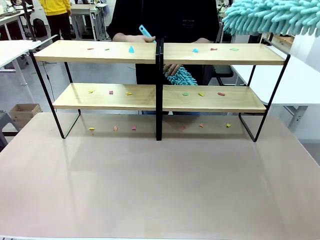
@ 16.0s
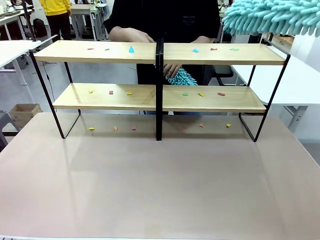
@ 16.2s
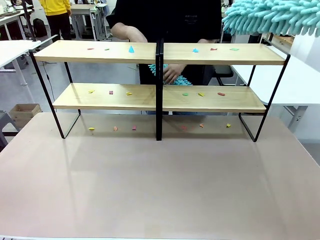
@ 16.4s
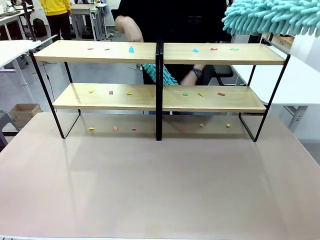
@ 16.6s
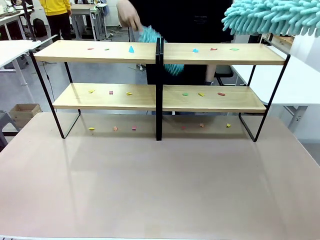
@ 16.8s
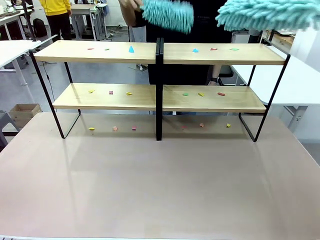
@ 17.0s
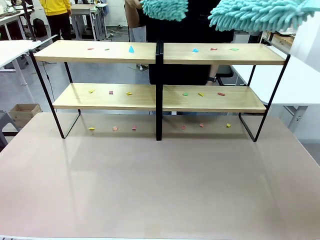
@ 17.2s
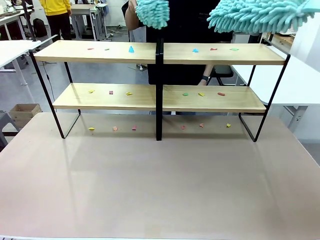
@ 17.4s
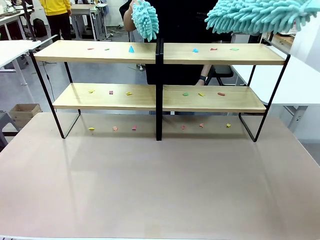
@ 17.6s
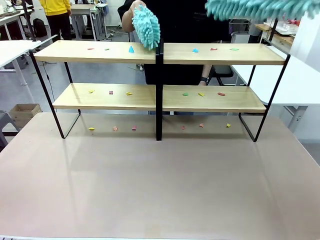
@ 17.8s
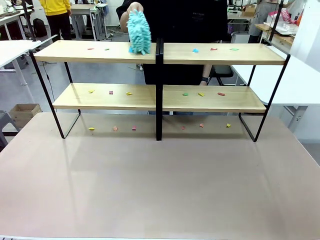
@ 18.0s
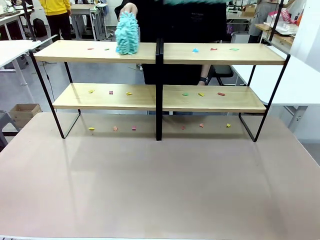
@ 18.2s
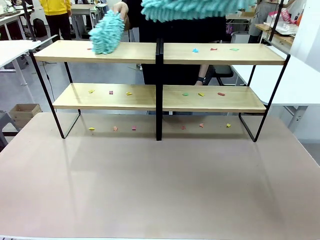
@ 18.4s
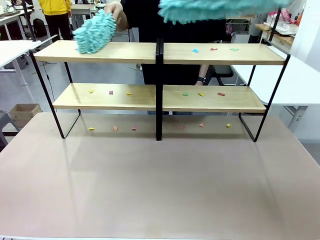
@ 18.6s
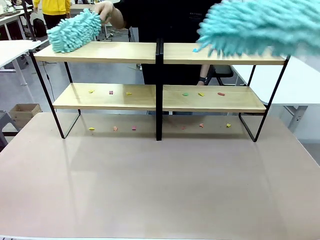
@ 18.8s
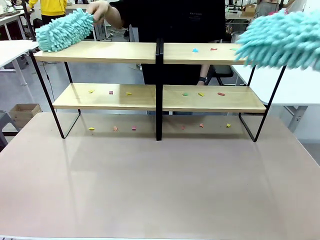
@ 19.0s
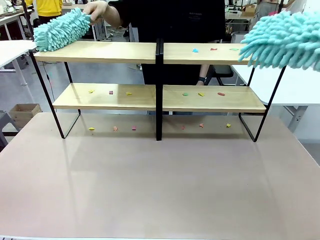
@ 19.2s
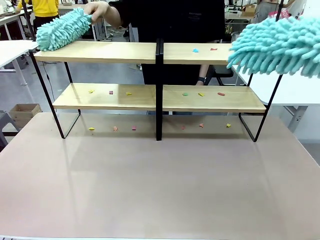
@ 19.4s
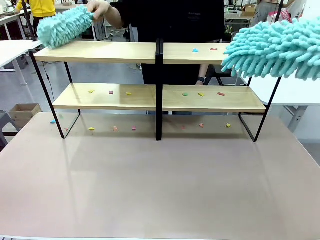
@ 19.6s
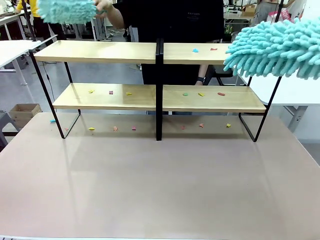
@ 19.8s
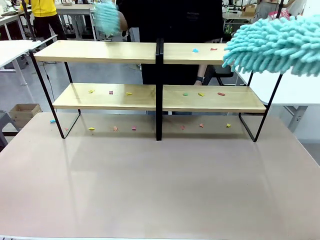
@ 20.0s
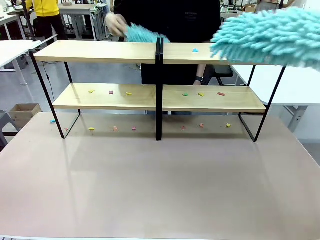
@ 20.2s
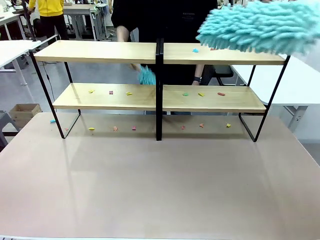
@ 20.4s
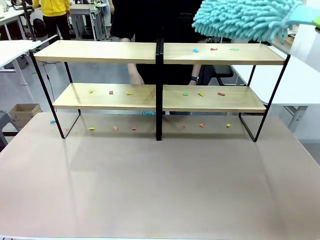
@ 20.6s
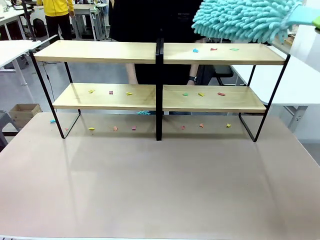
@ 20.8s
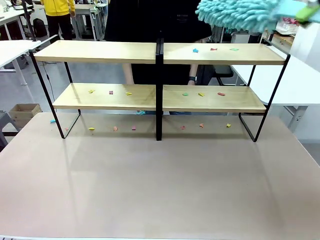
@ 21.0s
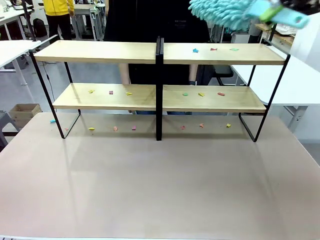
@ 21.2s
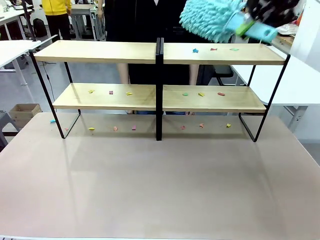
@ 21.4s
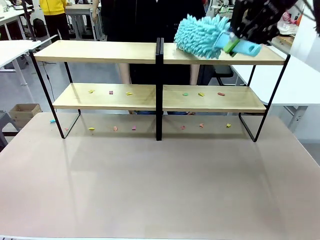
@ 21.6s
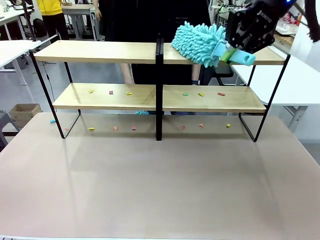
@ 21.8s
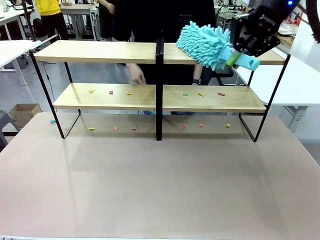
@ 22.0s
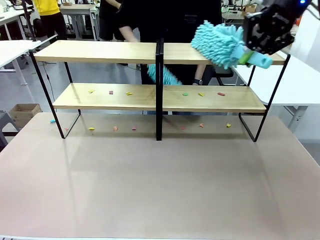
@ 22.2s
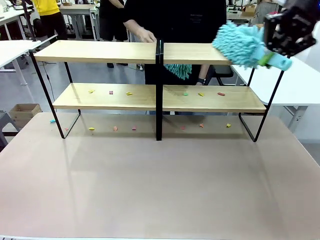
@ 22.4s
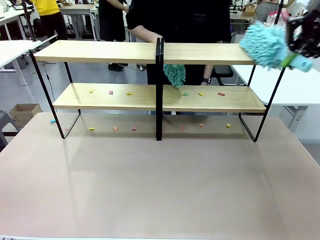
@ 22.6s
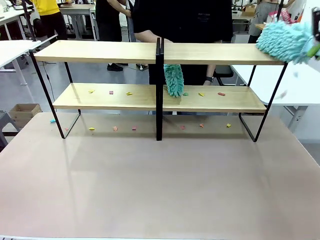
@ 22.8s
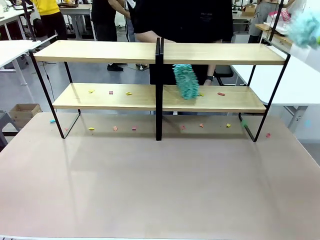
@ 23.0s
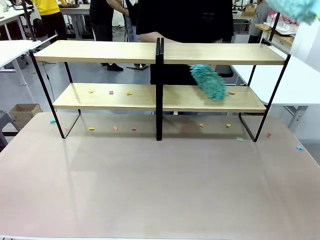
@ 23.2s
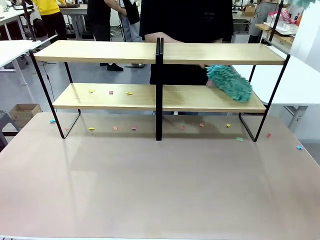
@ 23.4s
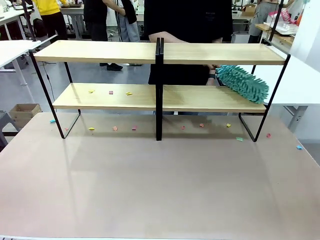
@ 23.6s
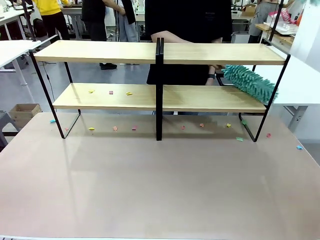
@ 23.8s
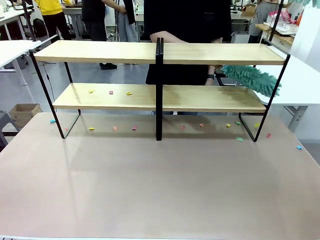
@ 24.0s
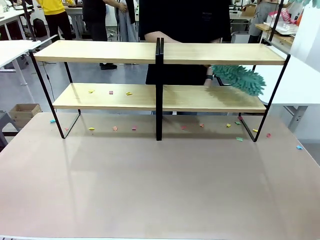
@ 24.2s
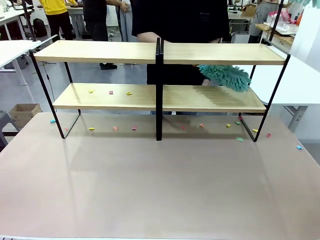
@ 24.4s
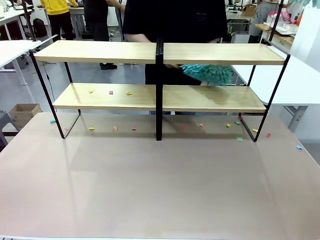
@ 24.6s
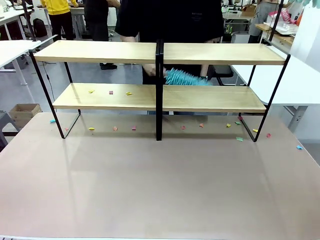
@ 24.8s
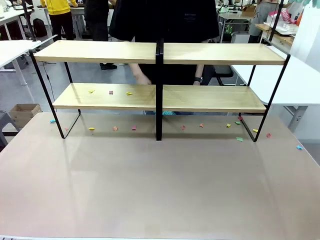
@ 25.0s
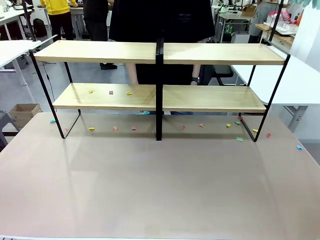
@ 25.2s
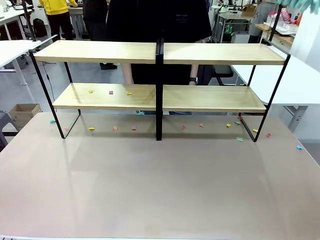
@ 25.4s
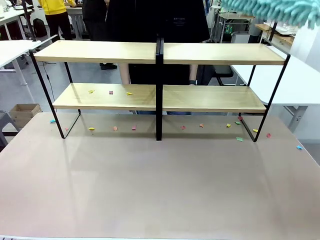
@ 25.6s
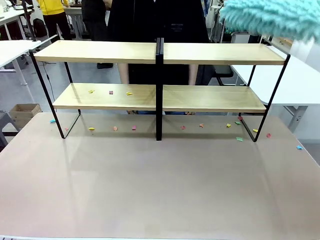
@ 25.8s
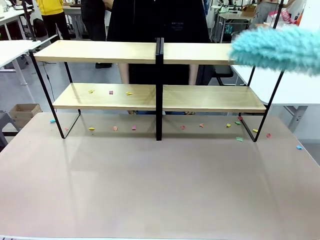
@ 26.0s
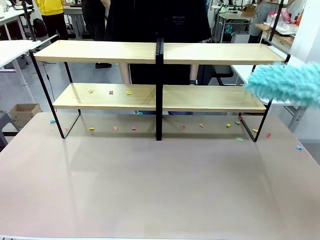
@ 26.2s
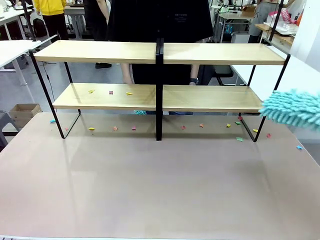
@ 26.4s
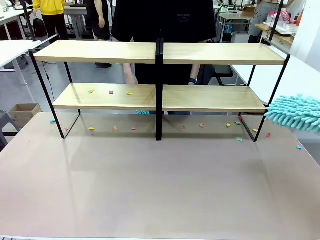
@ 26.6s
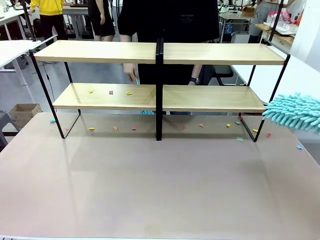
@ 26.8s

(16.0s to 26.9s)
Task: Clean the shelves.
Robot: Clean a randomly selected level of the Shelf with the Duster.

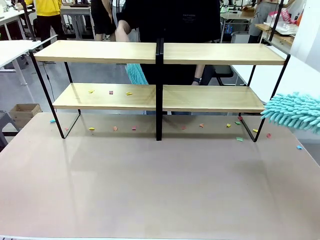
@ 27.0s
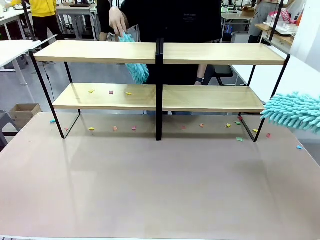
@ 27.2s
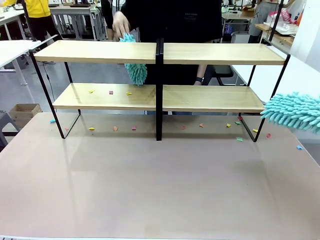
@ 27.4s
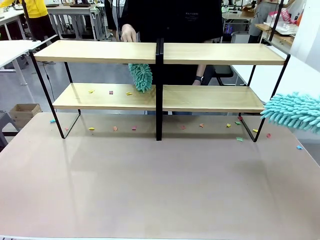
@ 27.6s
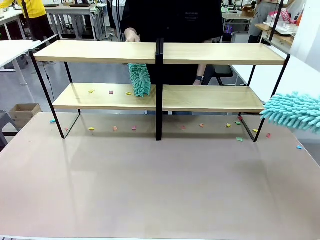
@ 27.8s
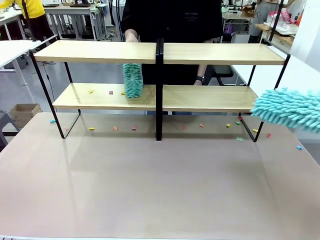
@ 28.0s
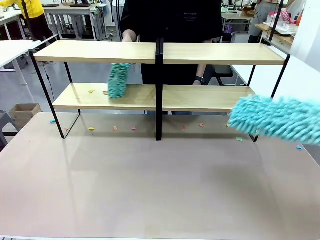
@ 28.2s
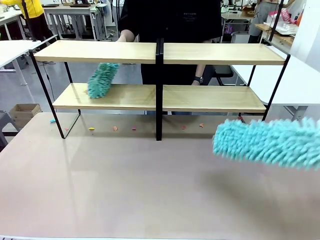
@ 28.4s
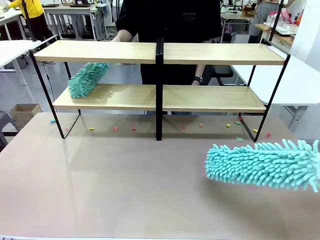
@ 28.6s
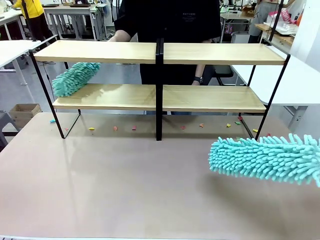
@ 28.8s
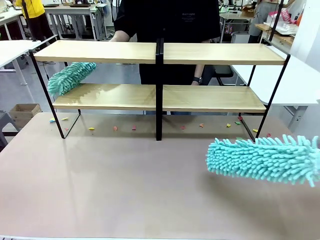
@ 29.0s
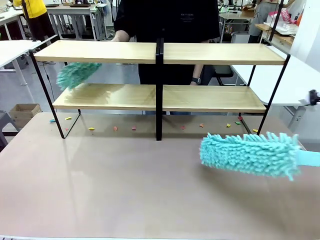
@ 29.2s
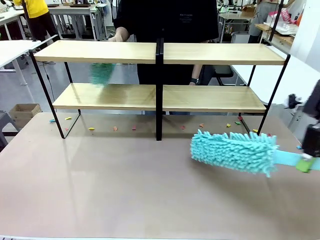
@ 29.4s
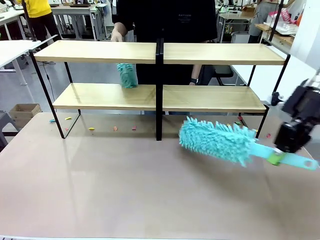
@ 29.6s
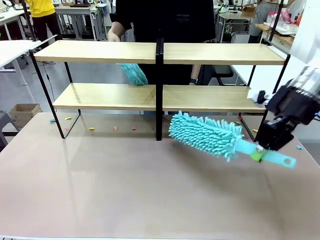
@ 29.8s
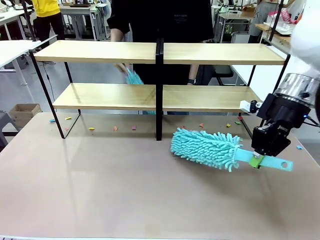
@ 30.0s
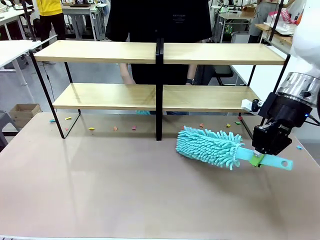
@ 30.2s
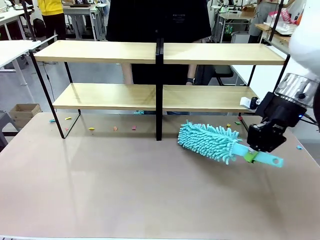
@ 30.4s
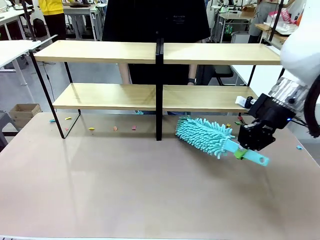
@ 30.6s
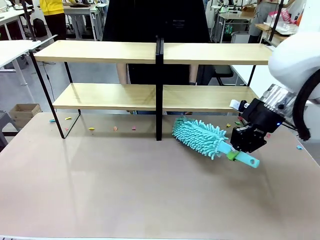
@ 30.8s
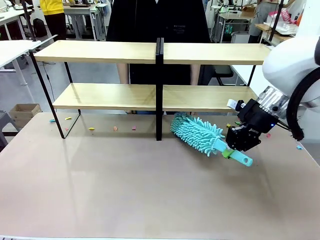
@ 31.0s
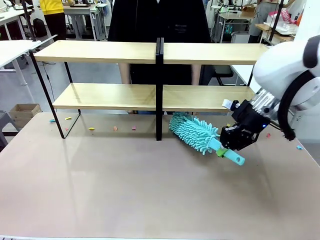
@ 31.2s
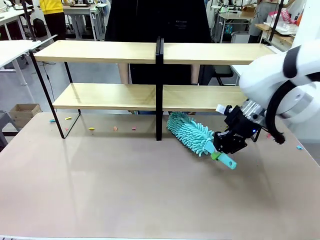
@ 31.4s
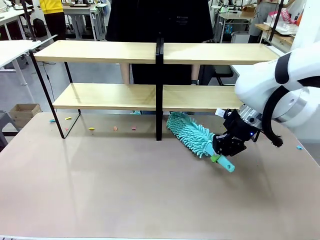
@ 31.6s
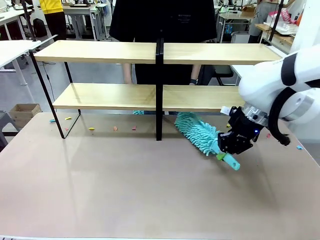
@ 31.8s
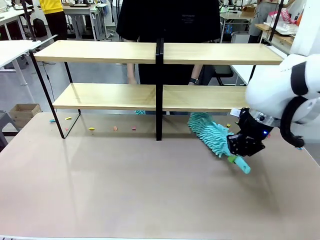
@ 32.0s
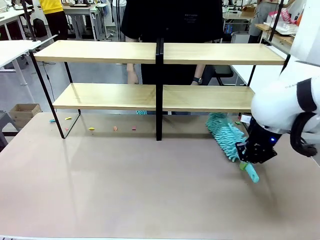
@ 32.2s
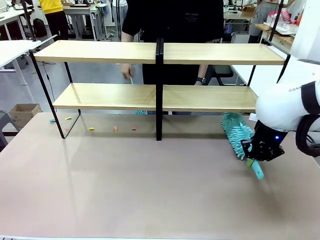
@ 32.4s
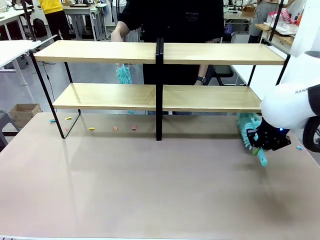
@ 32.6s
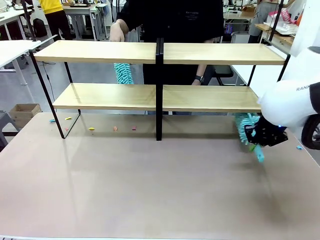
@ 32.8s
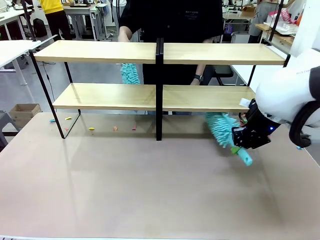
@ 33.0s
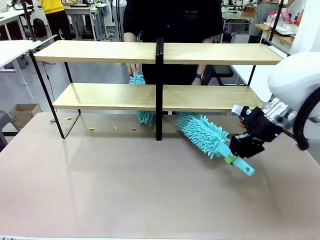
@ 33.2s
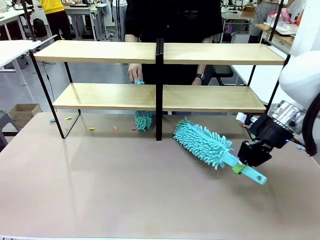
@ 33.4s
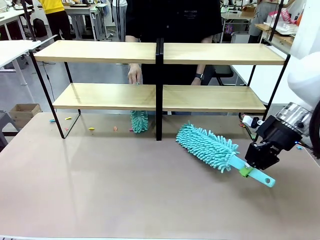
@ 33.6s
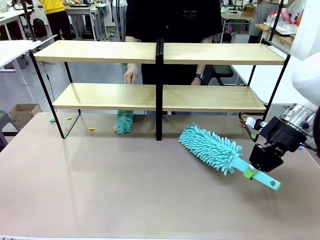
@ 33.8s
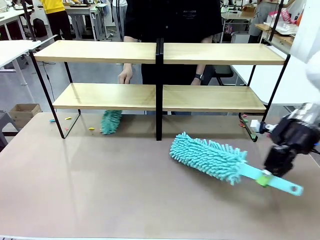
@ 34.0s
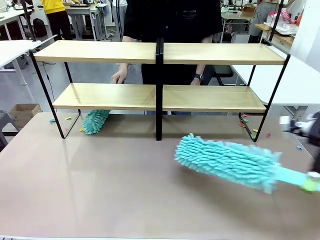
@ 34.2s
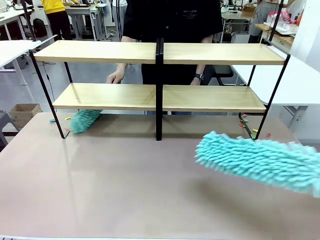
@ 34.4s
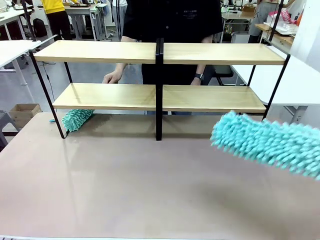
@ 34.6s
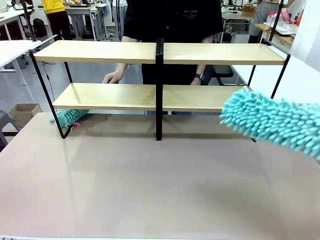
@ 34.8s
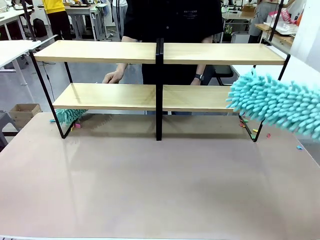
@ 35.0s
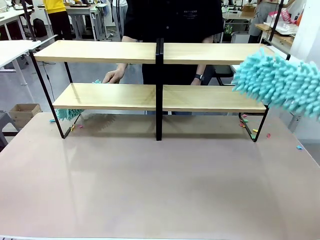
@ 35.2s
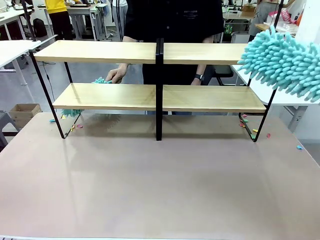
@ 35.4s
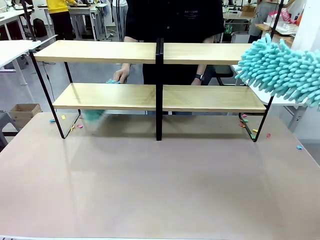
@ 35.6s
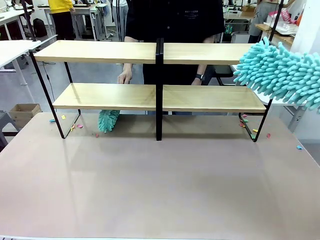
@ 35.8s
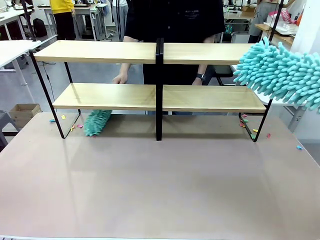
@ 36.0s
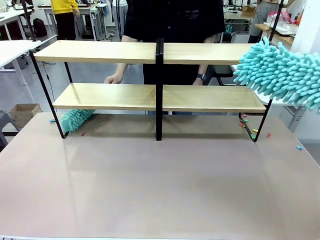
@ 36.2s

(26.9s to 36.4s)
Robot: Clean another randomly selected level of the Shelf with the Duster.
